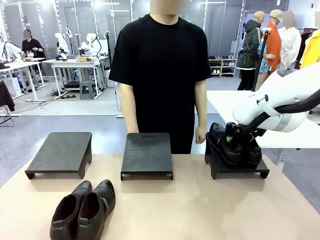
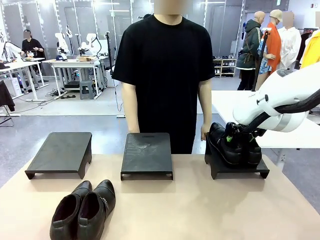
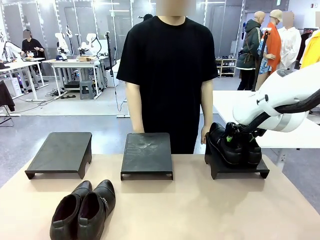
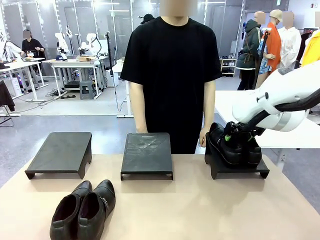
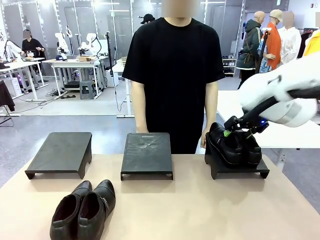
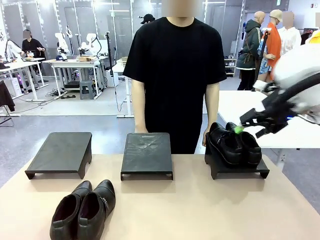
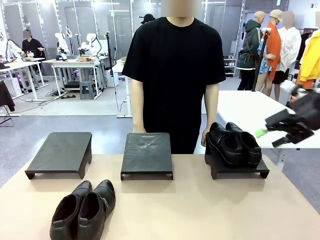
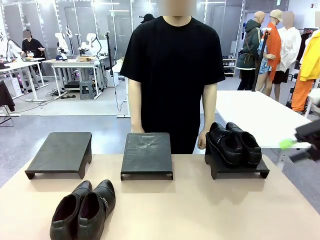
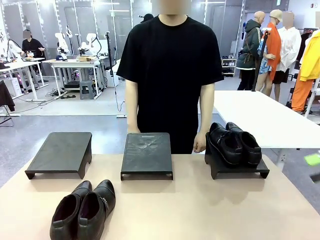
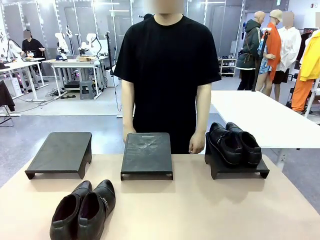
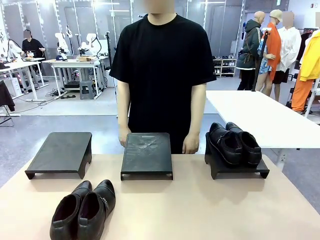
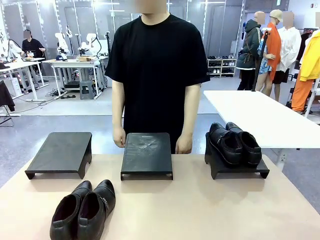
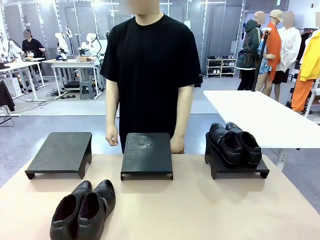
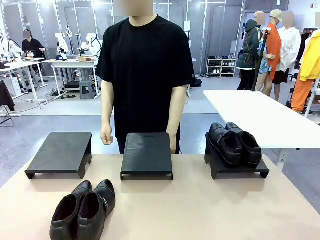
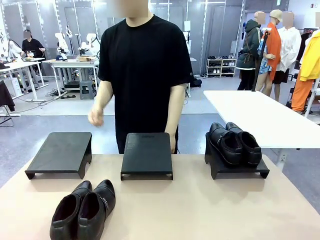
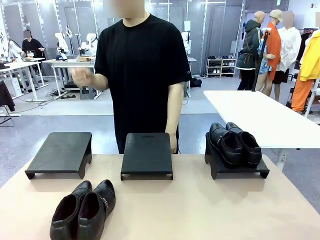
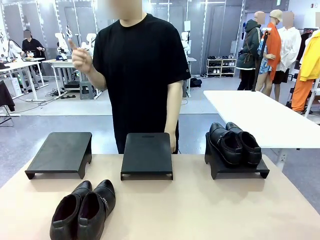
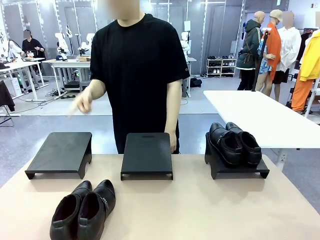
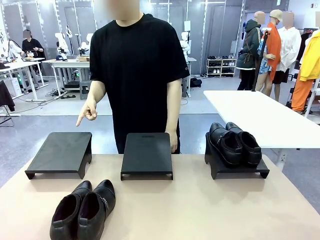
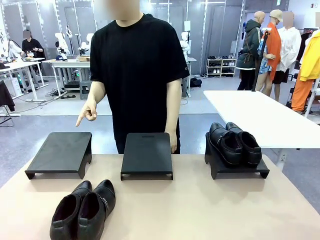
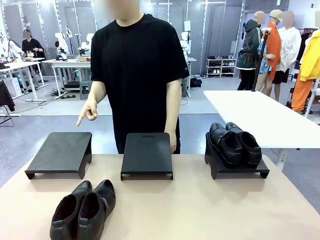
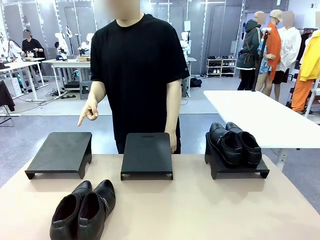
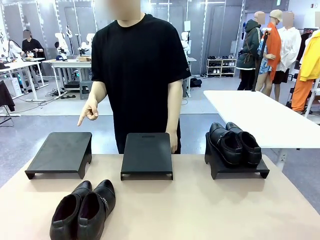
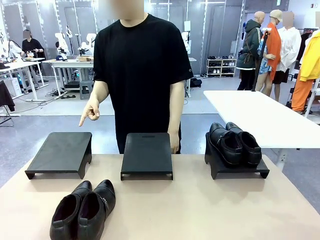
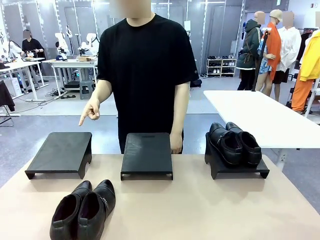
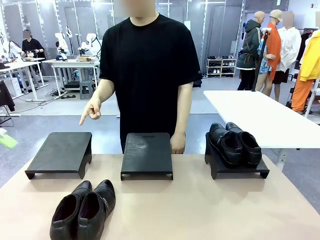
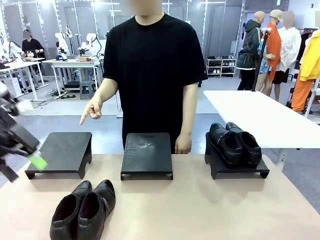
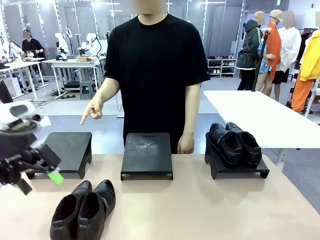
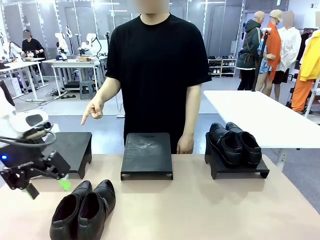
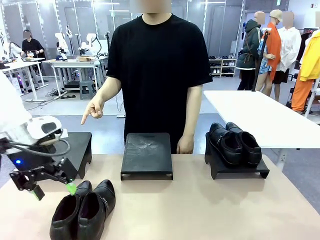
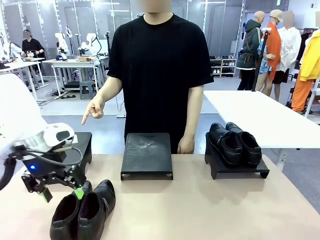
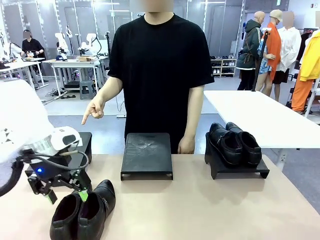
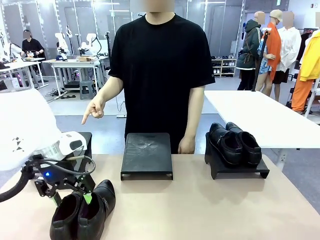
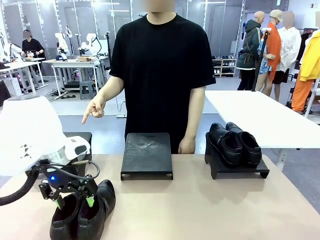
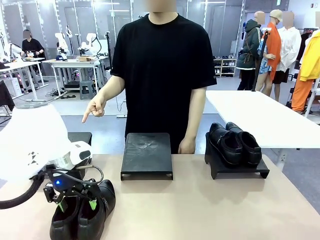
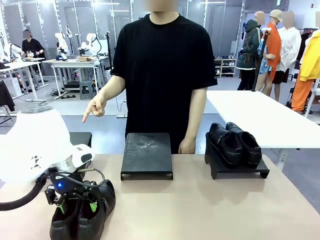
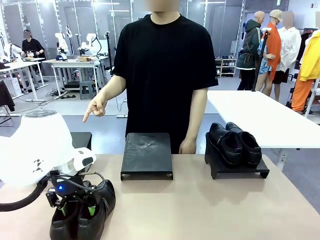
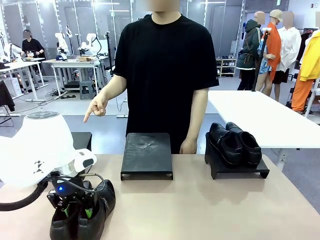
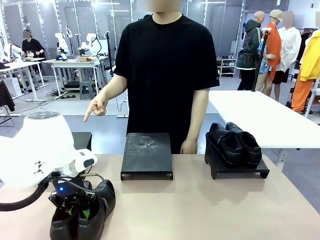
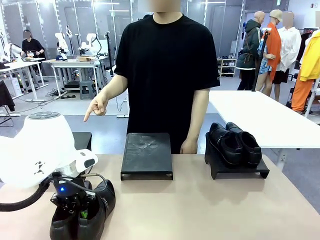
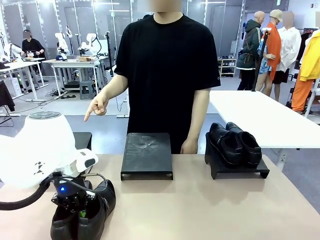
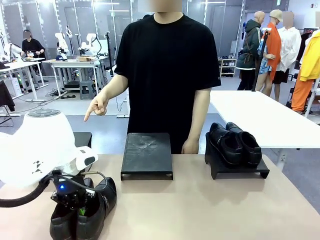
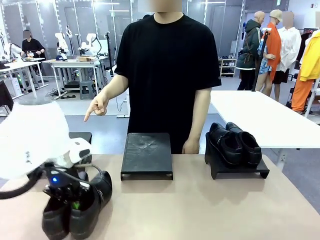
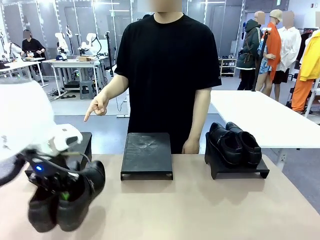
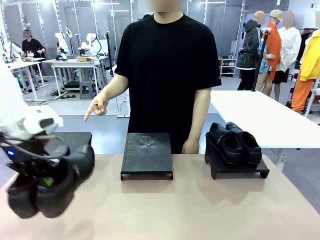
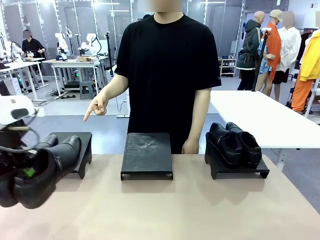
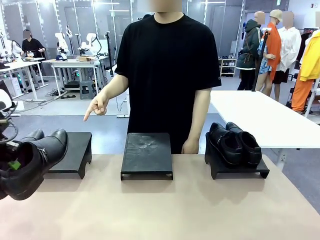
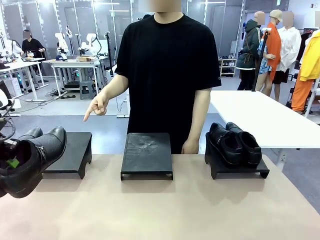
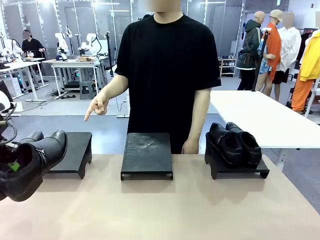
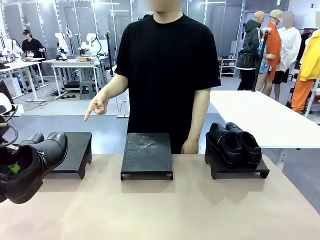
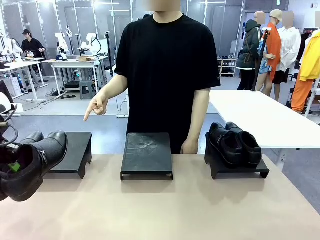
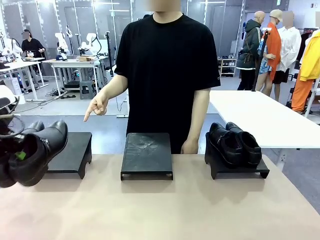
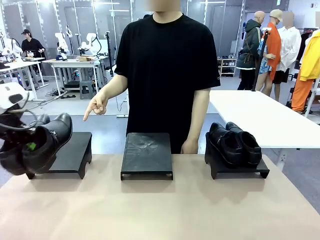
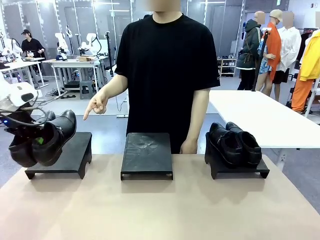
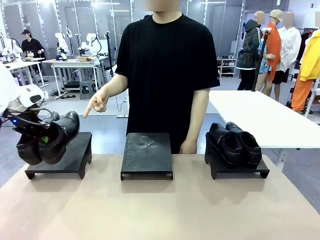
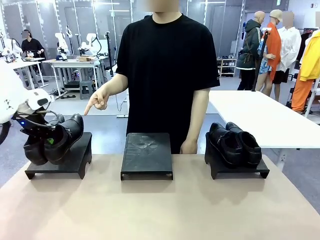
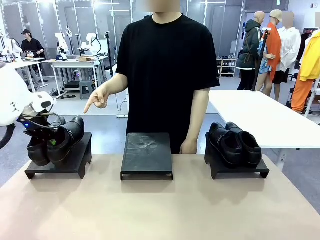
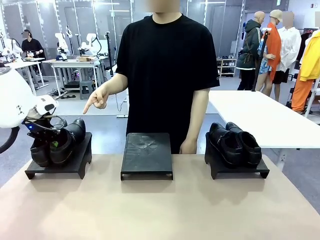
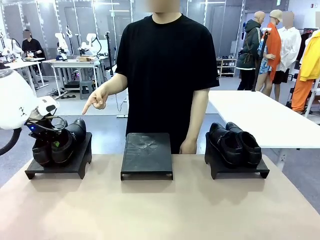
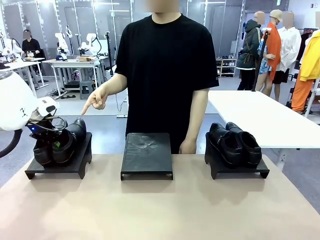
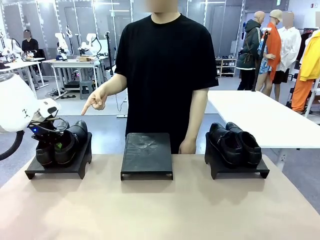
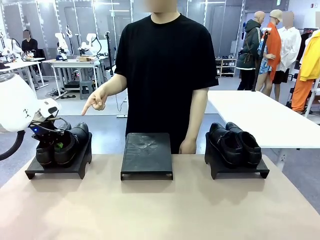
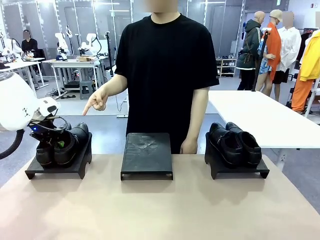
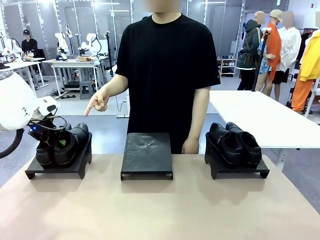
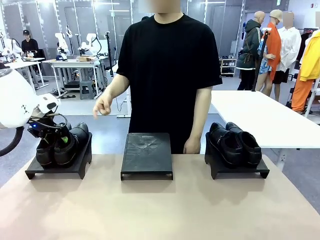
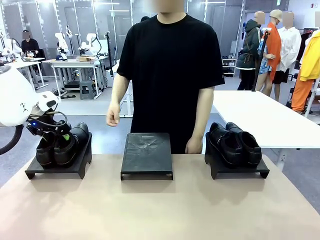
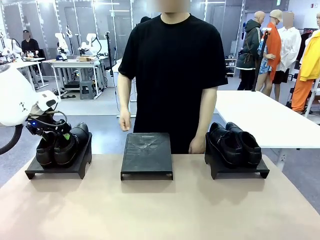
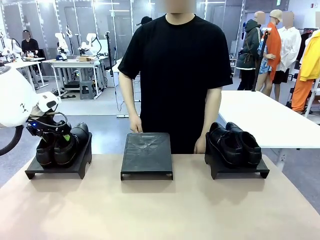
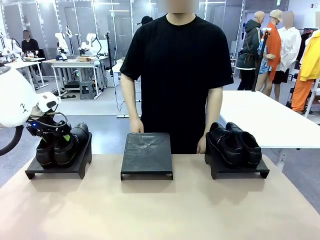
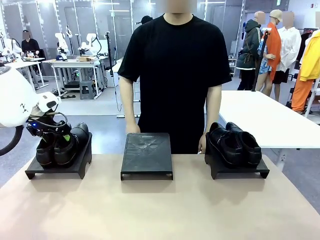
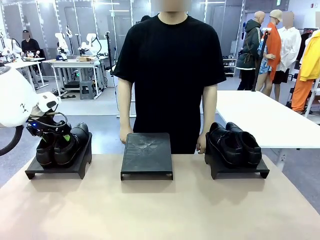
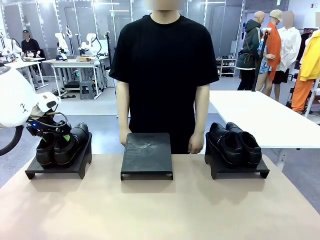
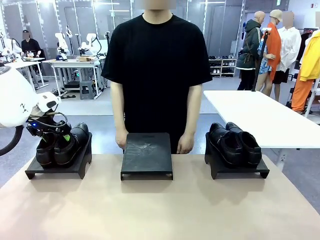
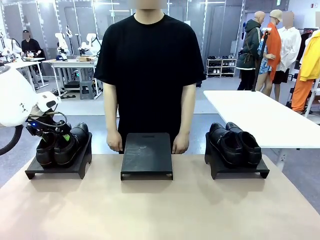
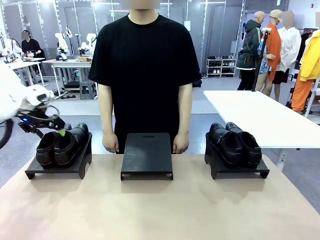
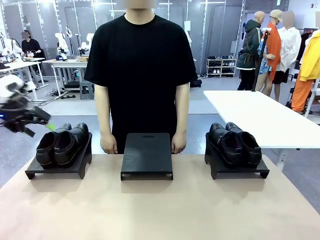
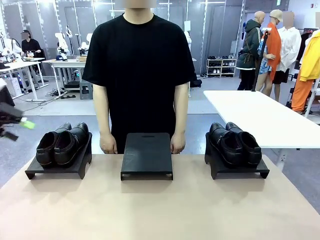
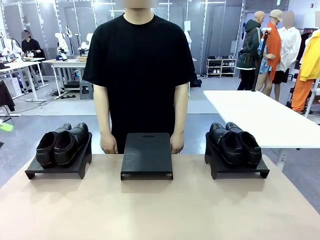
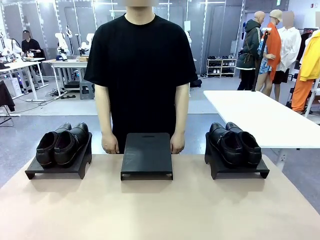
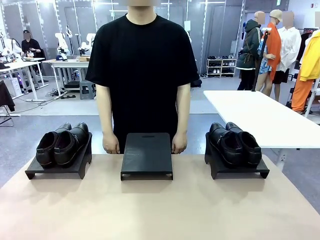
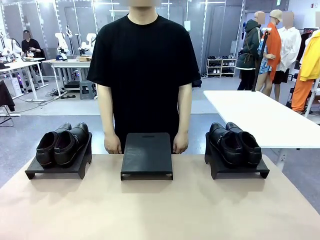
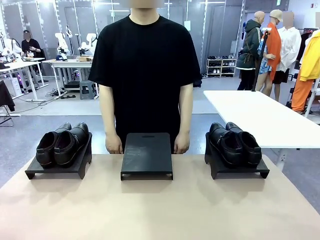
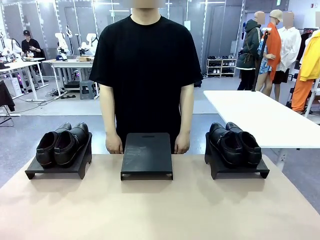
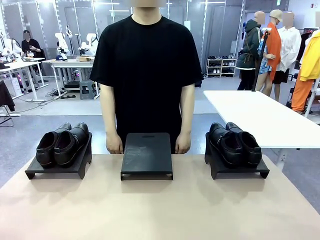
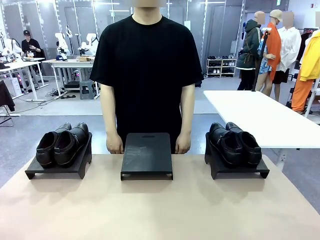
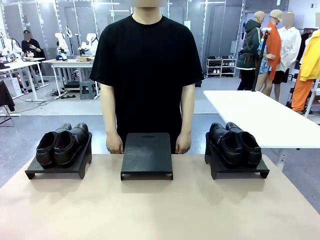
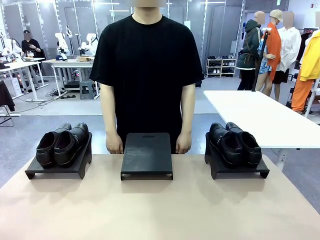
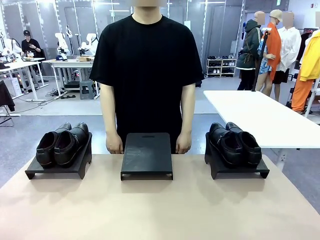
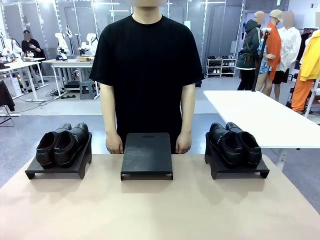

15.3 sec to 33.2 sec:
Task: Place the shoes on the stand as instructed by the person.
Robot: Pick up another pair of Shoes and place it on the Shoes Stand indicated by the person.
Person: Point to one Shoes Stand.

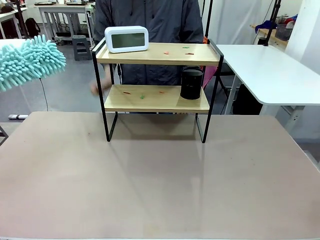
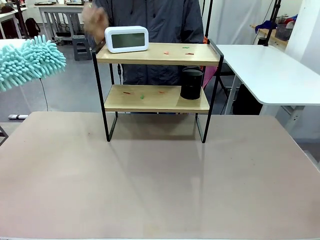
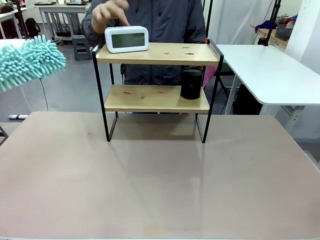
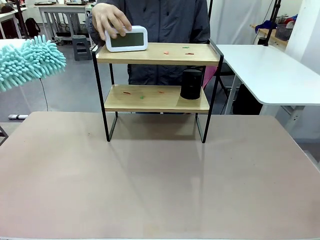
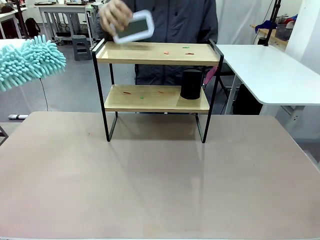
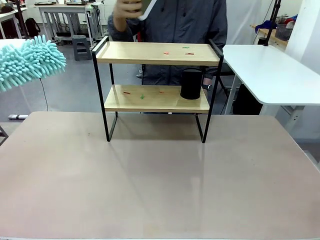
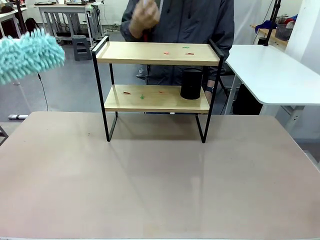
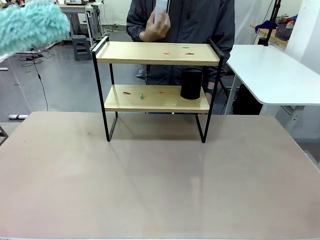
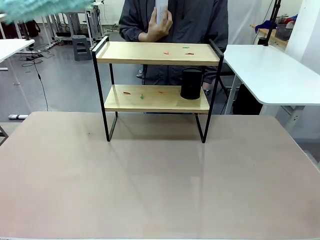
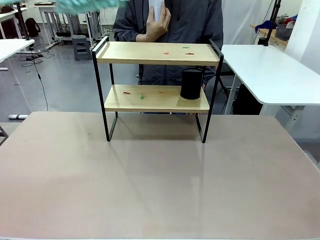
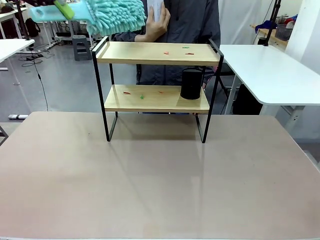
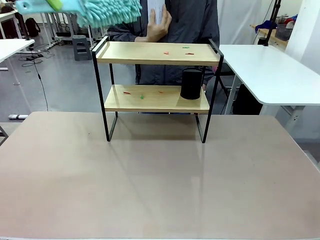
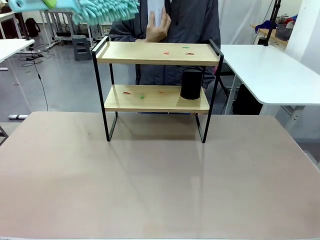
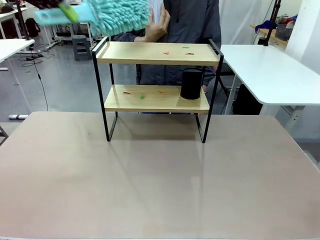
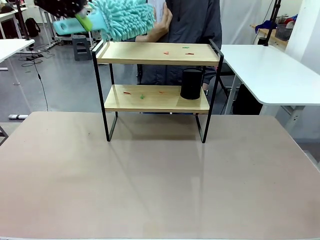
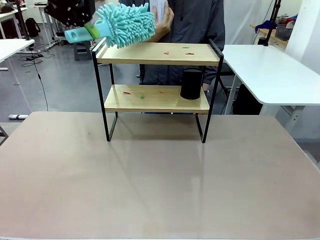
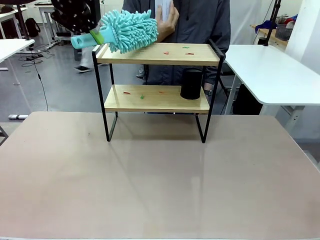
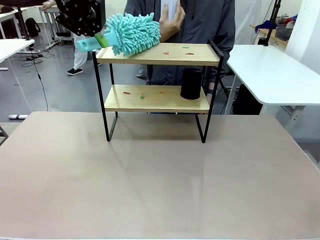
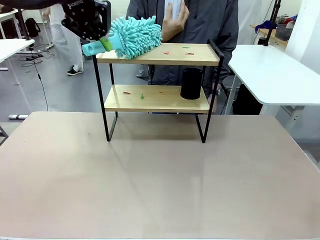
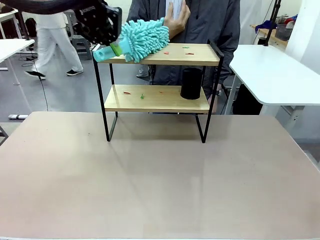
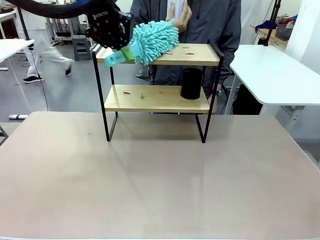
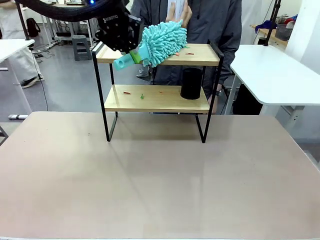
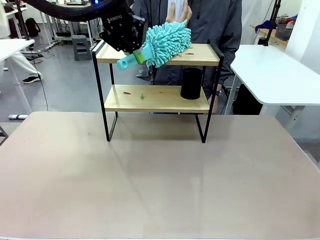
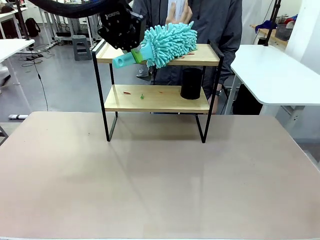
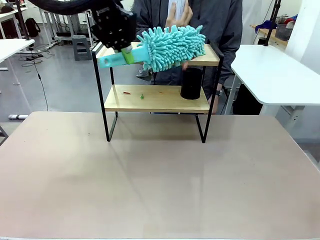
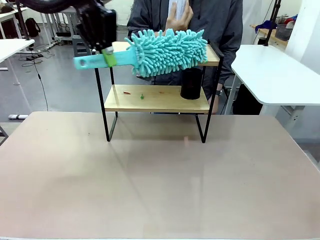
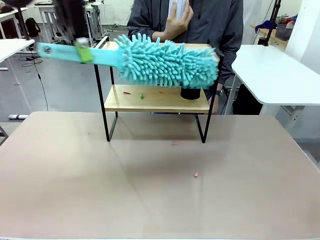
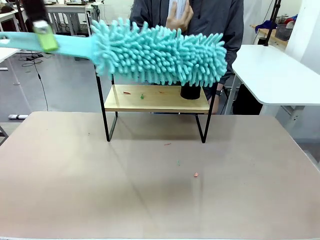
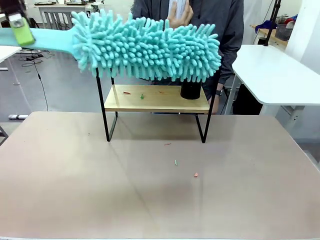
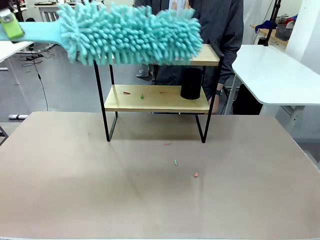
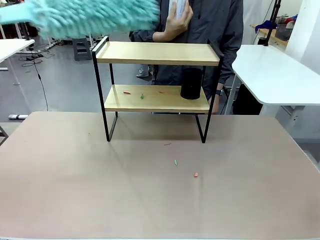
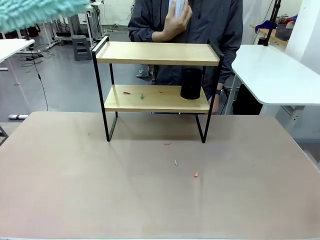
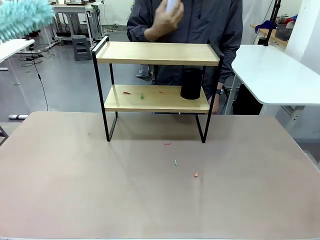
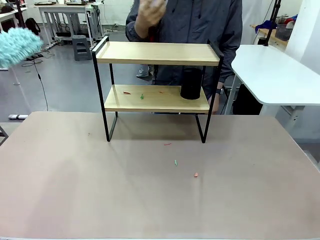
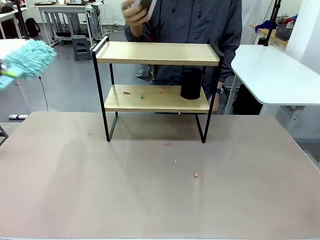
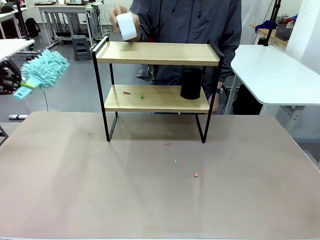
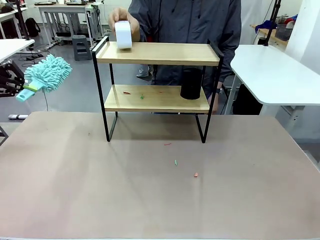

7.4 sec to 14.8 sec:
Task: Clean the shelf.
Robot: Clean the specific tier of the Shelf with the Duster once objects are removed.
Person: Lift the objects on a randomly selected tier of the Shelf. Once the robot finishes cleaning, lift the objects on the remaining tiers of the Shelf.
